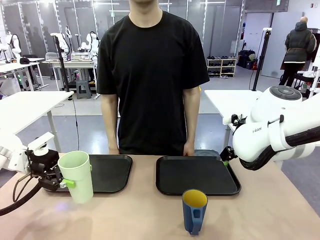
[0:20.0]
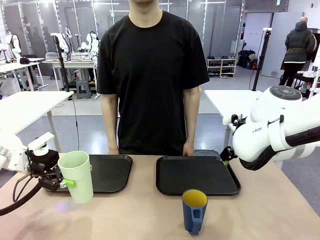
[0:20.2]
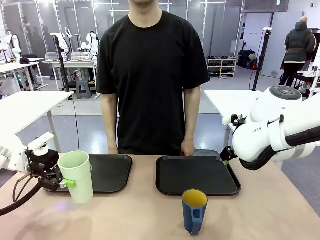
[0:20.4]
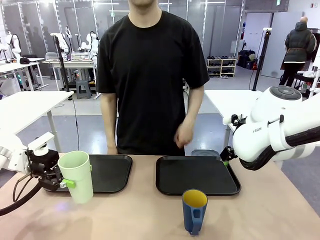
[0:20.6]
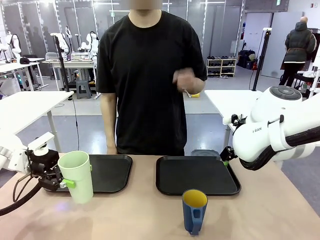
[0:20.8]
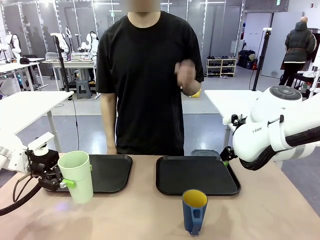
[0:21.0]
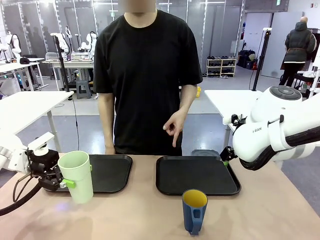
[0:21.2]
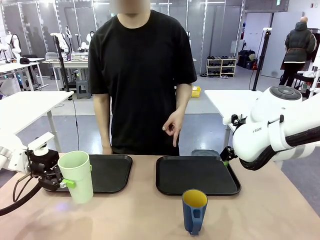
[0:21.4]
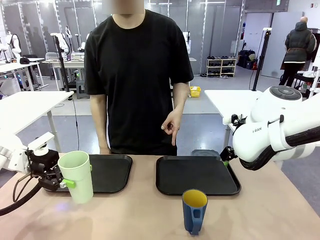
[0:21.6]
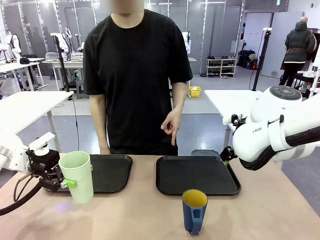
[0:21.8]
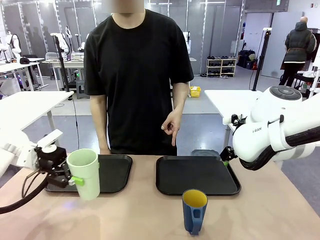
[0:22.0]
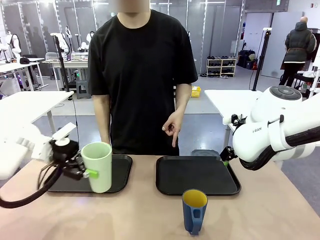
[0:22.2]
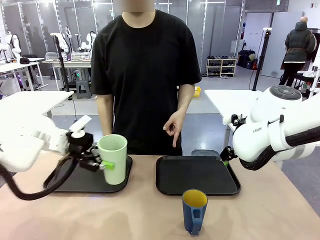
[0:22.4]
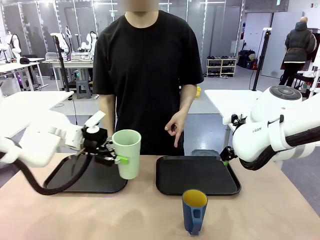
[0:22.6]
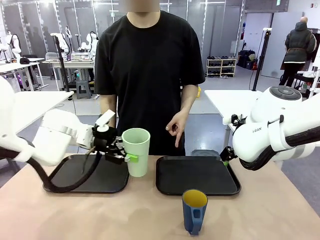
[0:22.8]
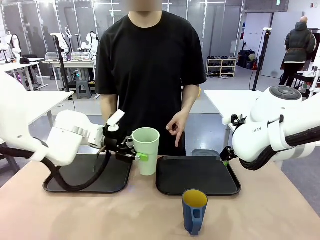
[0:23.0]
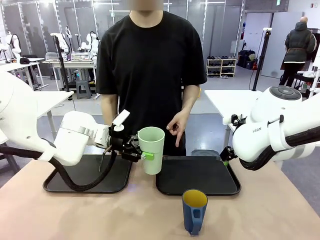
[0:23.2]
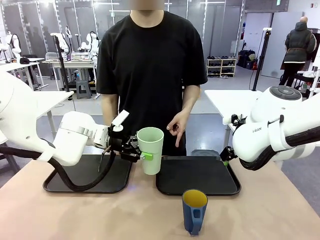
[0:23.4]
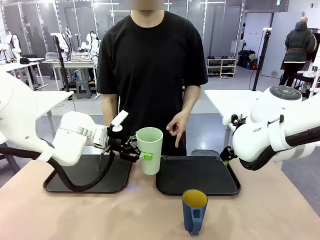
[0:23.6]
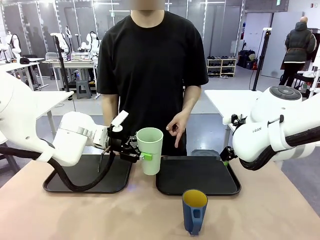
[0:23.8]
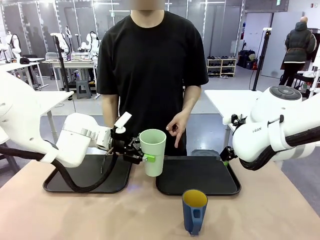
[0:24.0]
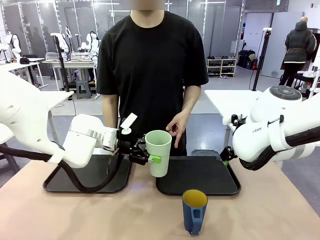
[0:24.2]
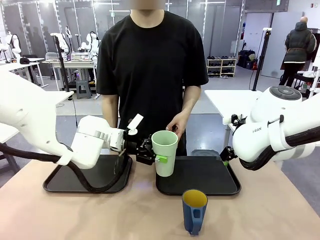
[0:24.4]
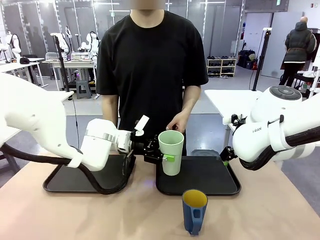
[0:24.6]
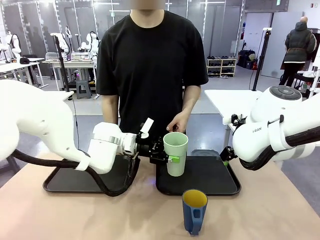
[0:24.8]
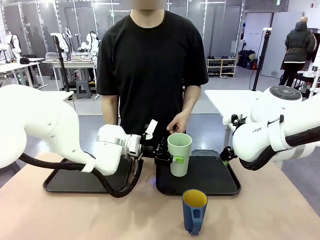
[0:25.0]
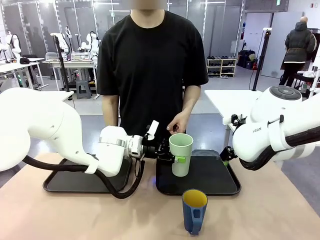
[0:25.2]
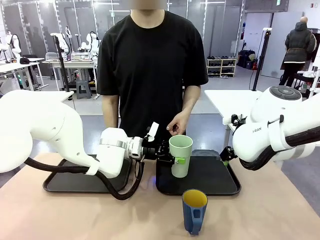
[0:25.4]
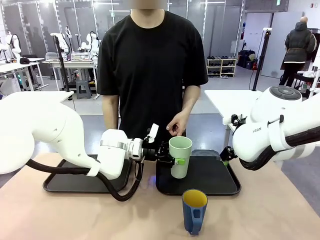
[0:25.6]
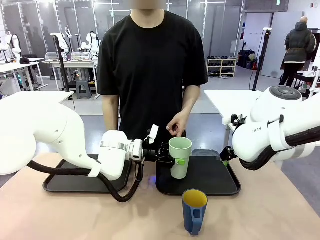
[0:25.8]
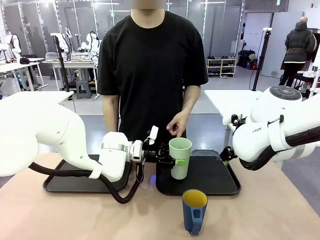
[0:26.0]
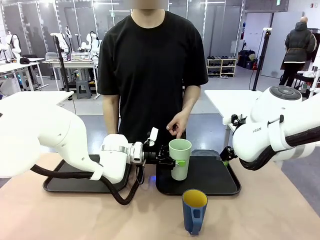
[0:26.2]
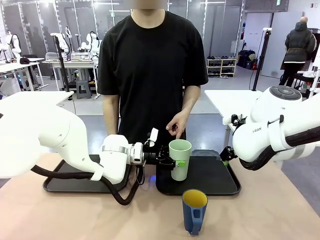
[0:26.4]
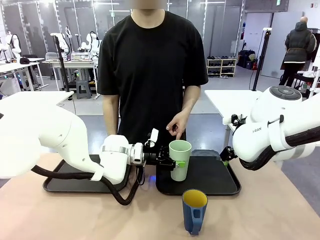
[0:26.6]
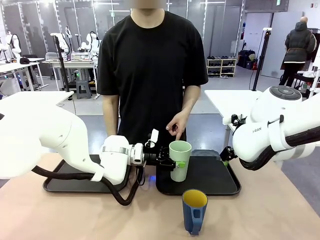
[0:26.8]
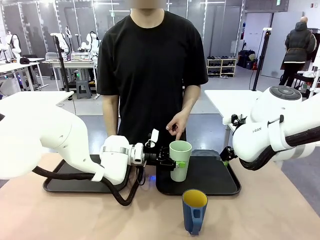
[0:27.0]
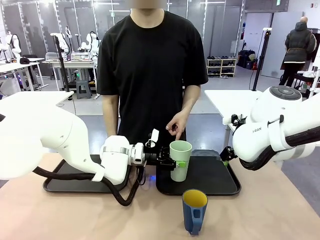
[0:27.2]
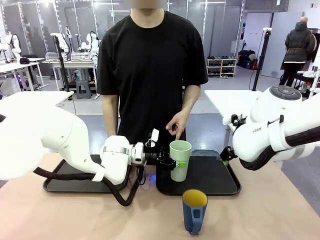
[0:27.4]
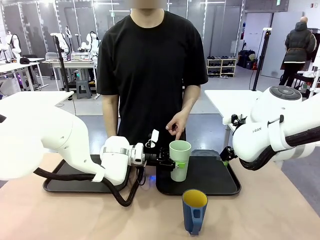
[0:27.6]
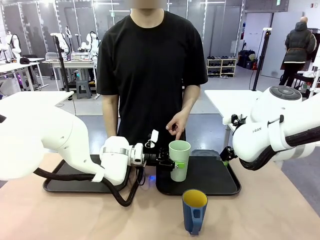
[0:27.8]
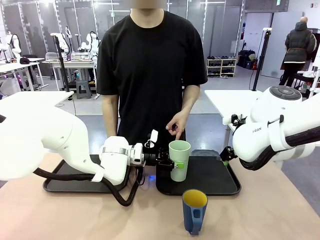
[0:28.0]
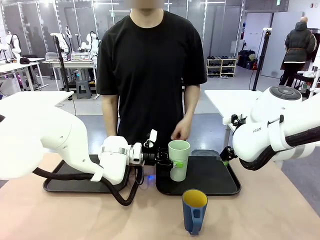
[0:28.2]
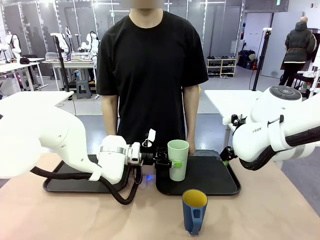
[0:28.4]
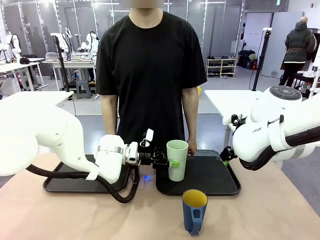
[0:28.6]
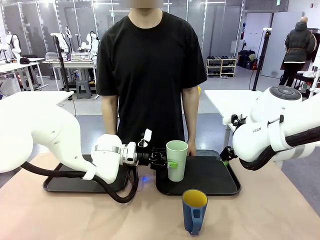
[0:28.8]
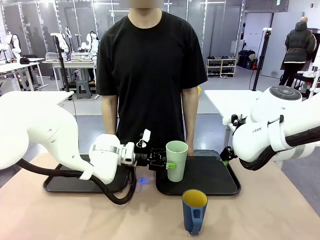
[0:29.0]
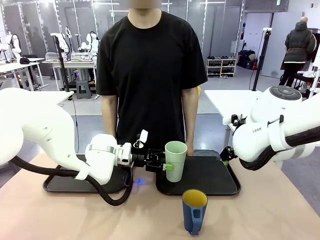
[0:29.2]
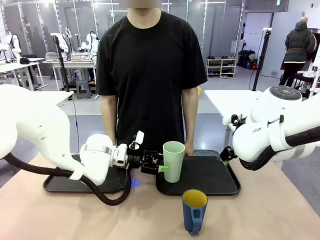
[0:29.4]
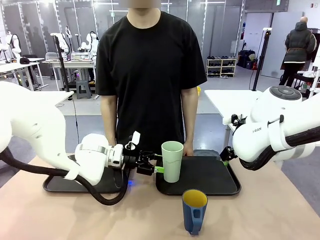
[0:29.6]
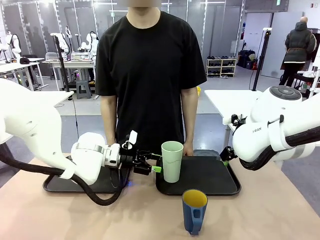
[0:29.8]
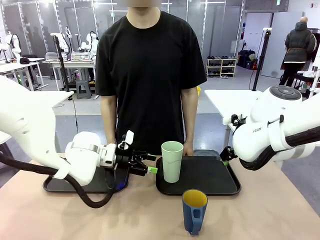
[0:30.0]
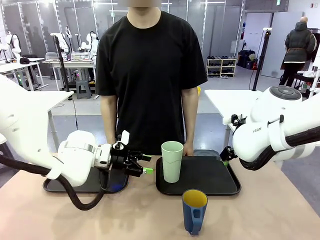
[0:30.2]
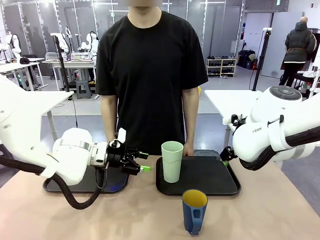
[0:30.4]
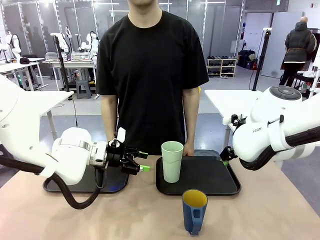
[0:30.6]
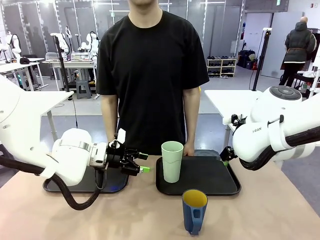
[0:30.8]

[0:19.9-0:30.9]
Task: Sort and store the cups by type.
Robot: Place the picked Reusable plastic cup into the Flat Tray indicated by the person.

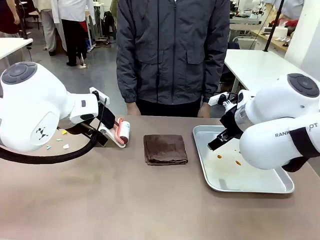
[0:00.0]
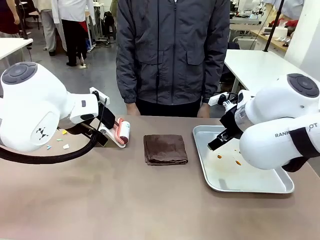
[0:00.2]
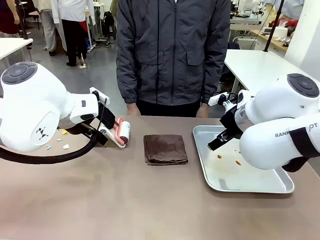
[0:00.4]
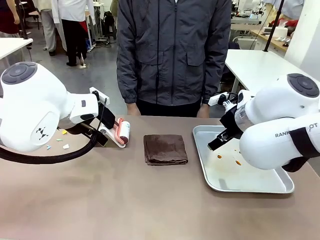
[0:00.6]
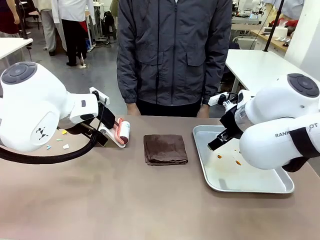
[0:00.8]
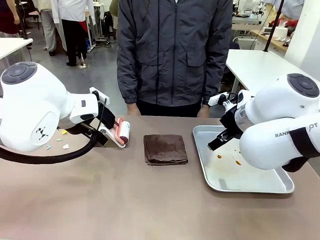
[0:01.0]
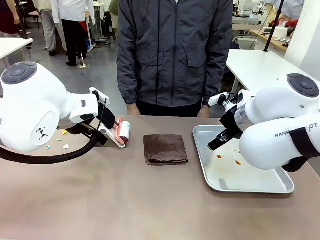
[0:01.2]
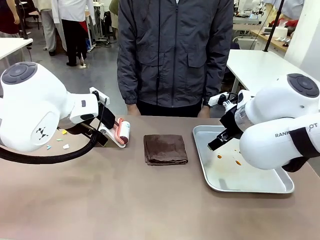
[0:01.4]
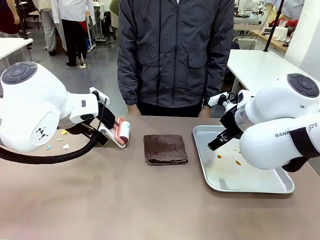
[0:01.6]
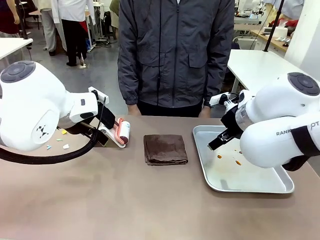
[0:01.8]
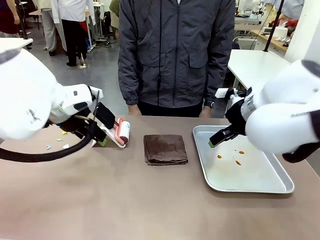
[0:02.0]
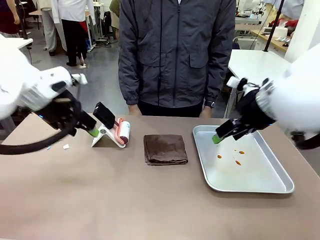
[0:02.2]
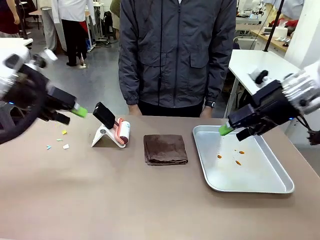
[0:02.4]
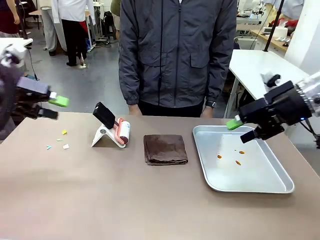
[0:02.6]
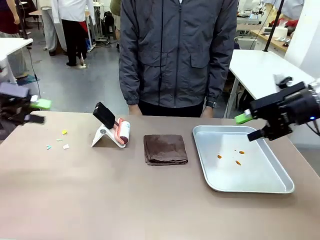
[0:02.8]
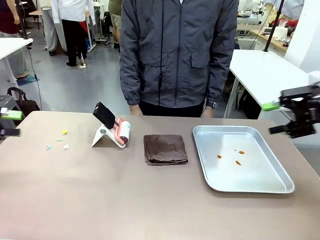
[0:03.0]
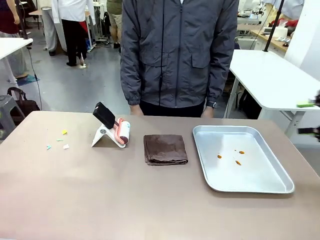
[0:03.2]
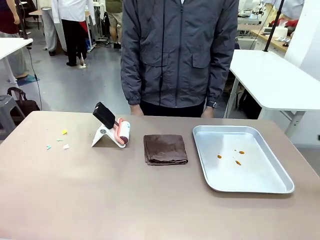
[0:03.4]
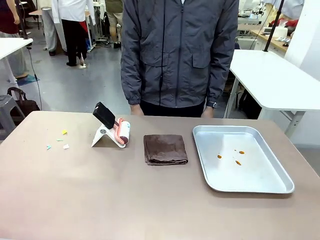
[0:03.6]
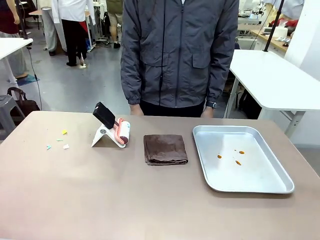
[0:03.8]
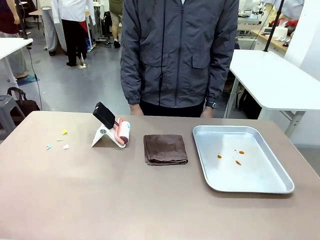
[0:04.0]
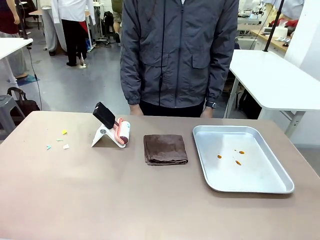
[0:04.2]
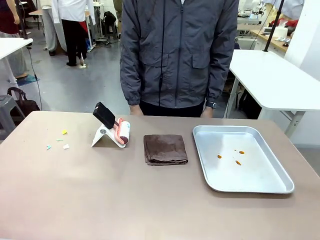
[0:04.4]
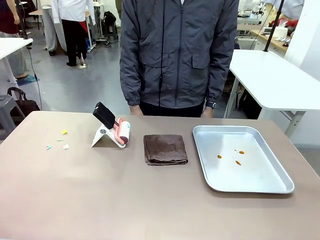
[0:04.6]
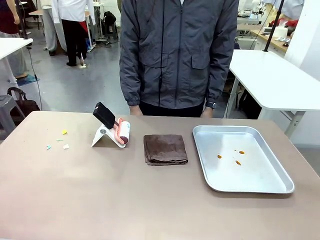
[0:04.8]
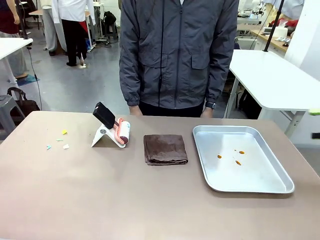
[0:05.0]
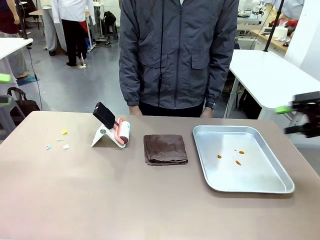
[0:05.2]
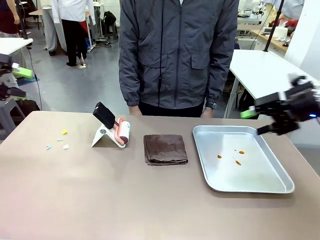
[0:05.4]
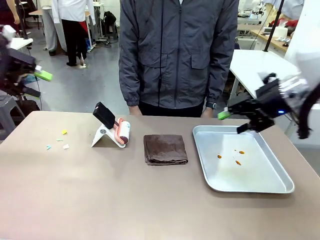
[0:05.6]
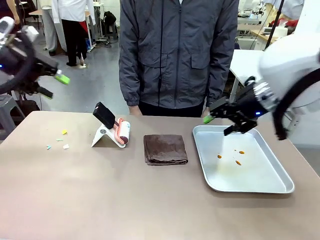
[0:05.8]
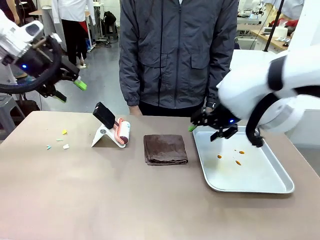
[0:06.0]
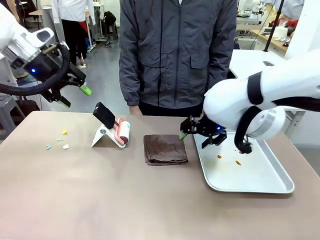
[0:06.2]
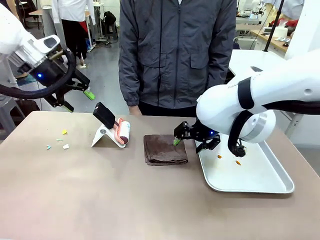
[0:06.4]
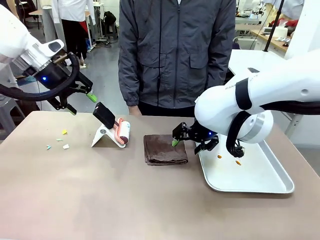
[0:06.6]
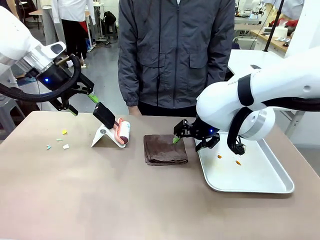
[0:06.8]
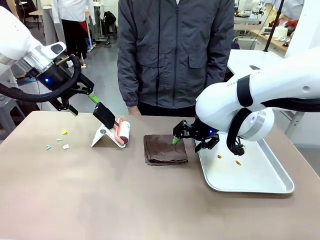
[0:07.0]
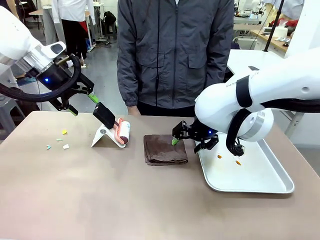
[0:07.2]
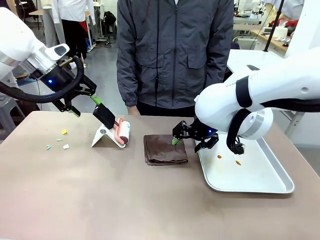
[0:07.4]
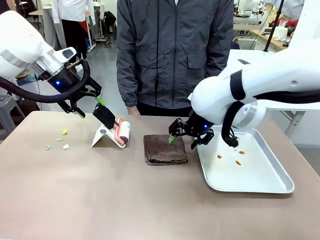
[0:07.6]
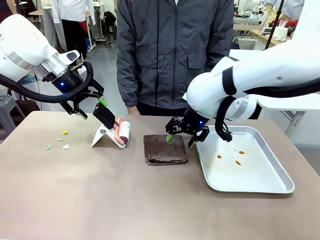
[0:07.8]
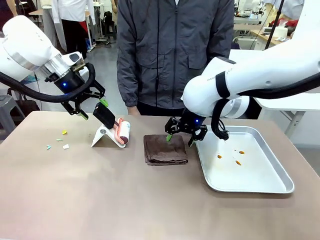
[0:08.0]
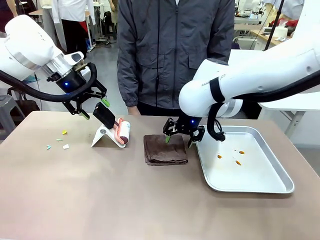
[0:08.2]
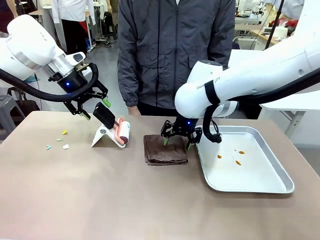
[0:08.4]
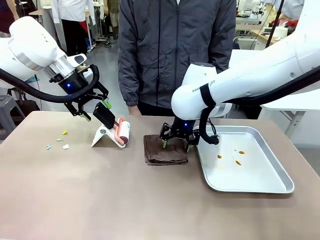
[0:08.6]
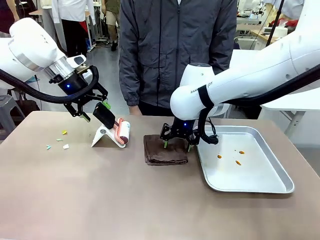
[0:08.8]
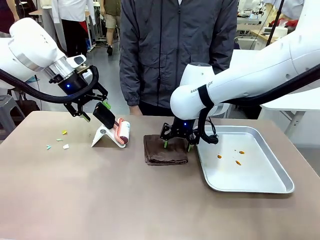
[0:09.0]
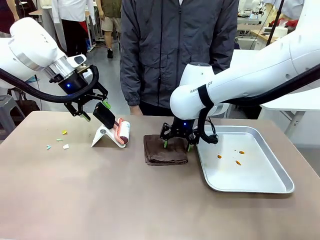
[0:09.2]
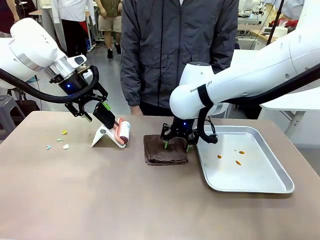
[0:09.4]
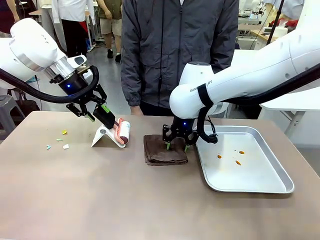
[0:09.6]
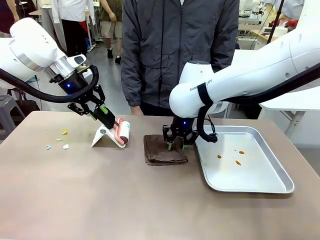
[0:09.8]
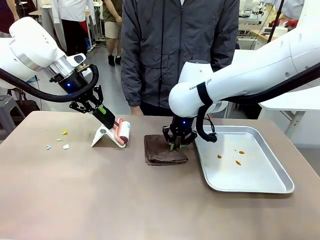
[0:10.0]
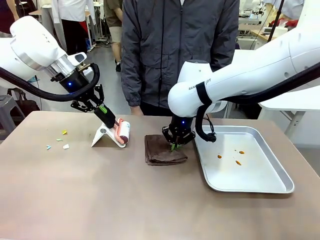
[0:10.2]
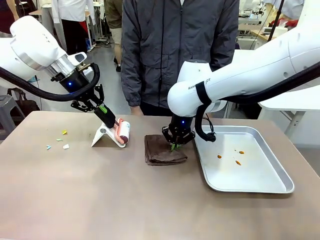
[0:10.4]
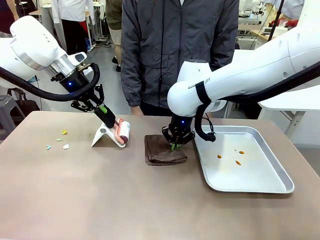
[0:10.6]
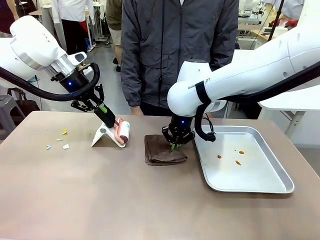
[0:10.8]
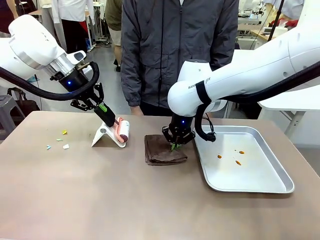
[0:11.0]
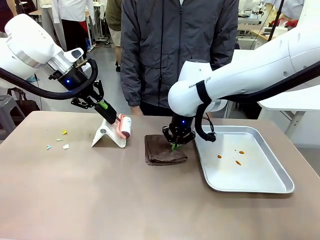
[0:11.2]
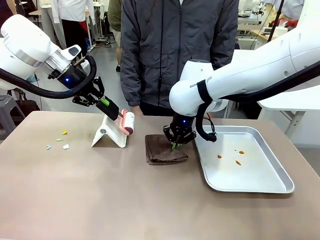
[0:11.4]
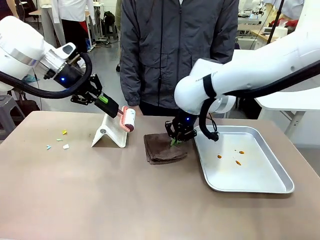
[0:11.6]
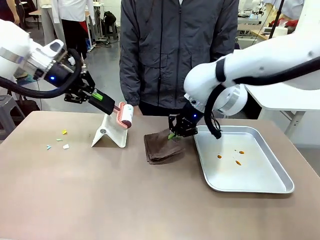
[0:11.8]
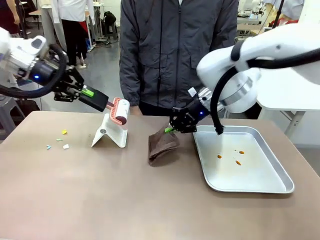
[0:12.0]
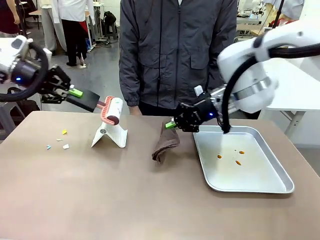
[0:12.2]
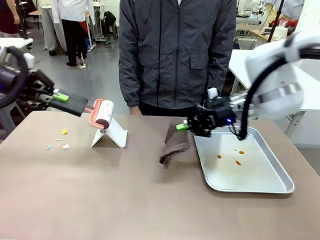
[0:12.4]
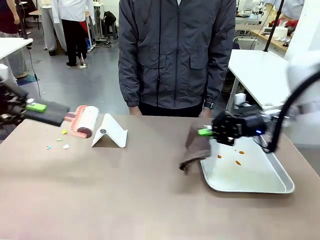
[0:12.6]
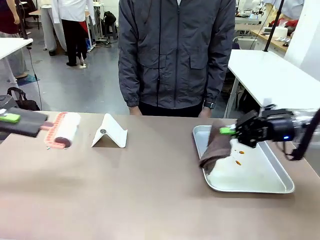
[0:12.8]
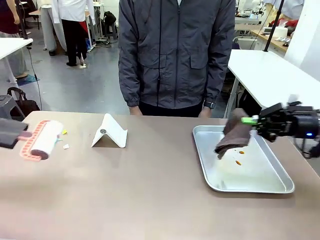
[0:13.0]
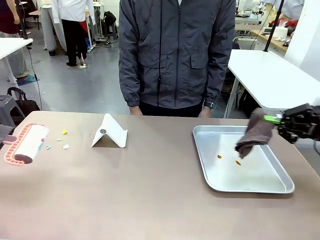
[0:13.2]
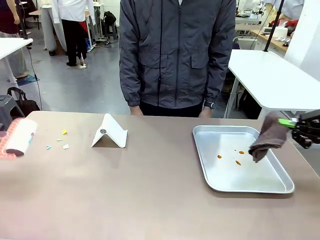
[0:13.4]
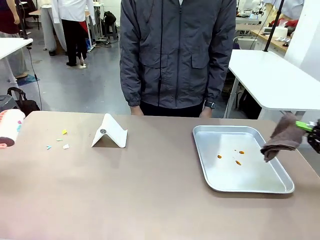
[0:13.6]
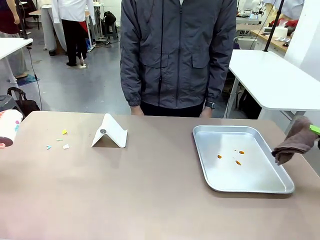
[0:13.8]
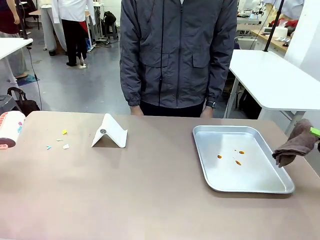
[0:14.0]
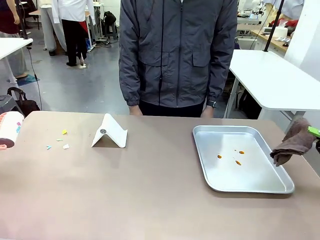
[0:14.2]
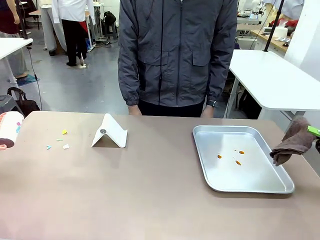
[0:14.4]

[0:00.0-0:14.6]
Task: Clean the surface of the table.
Robot: Hold the Lint Roller with your left hand and the towel with your right hand.
